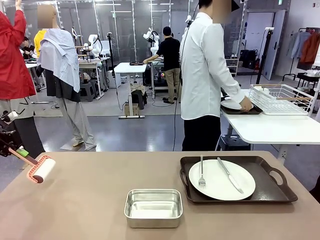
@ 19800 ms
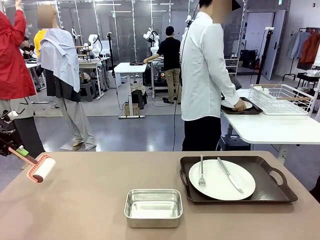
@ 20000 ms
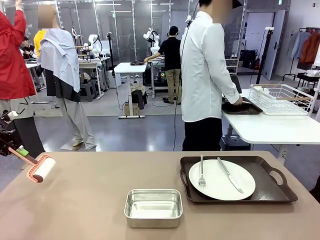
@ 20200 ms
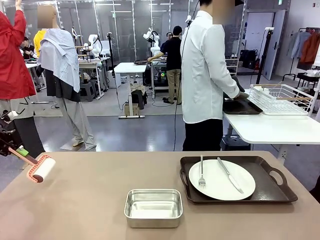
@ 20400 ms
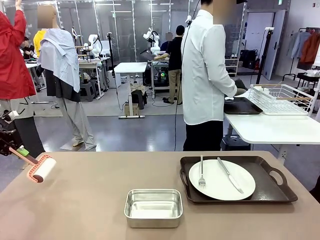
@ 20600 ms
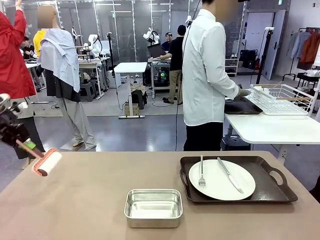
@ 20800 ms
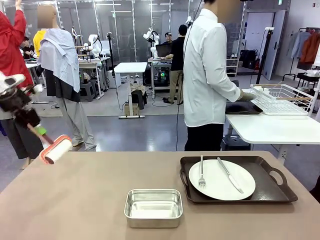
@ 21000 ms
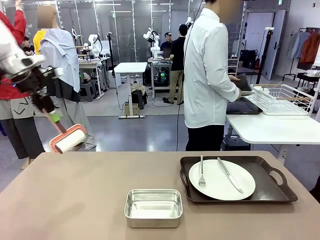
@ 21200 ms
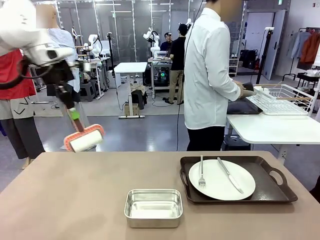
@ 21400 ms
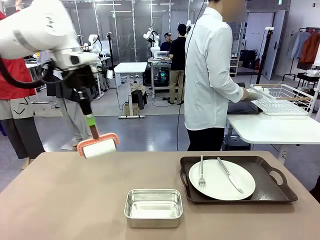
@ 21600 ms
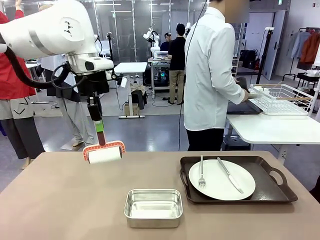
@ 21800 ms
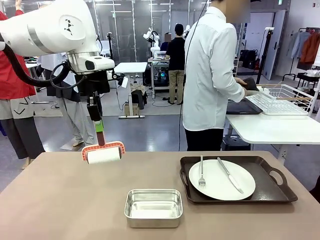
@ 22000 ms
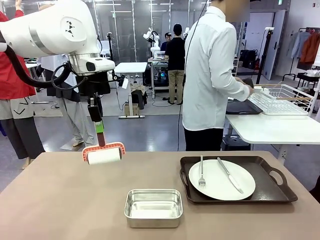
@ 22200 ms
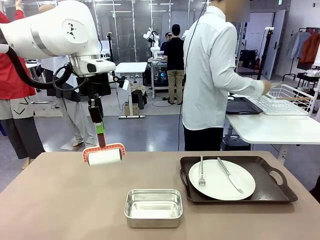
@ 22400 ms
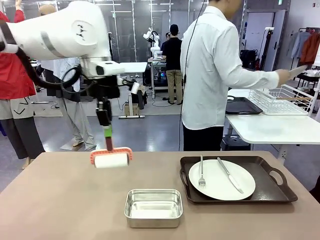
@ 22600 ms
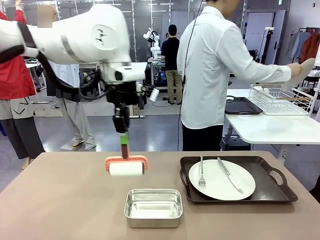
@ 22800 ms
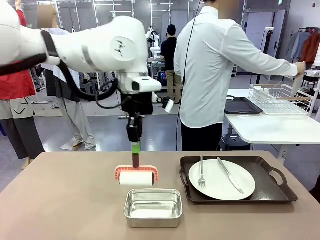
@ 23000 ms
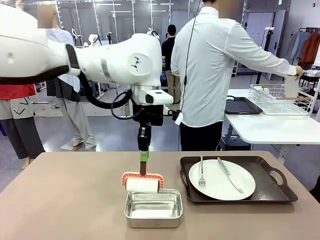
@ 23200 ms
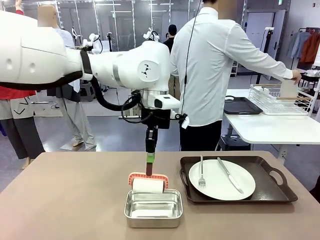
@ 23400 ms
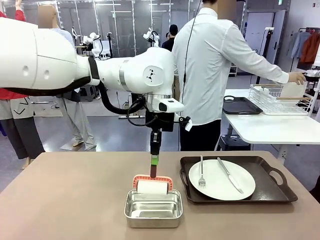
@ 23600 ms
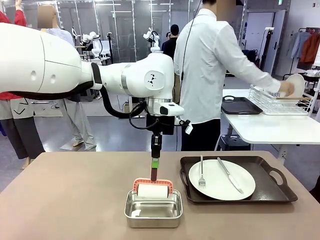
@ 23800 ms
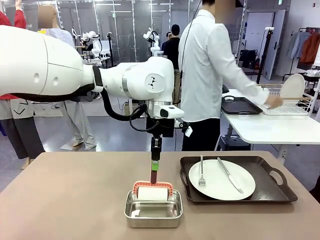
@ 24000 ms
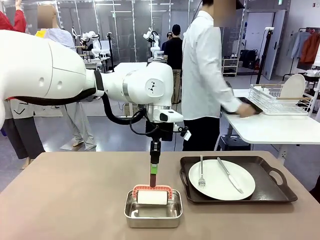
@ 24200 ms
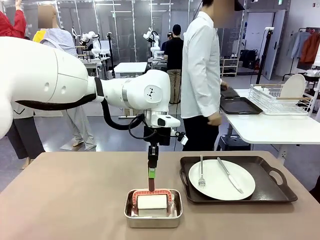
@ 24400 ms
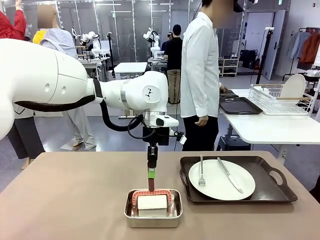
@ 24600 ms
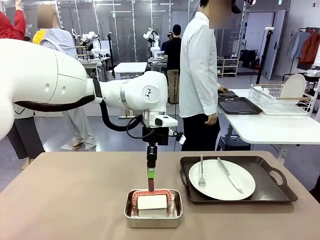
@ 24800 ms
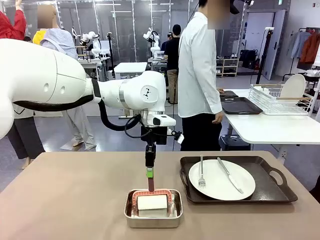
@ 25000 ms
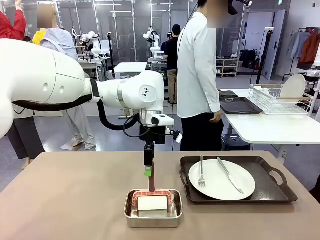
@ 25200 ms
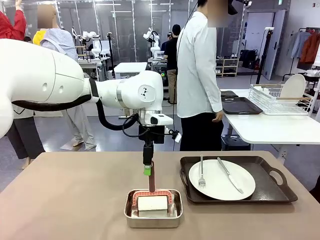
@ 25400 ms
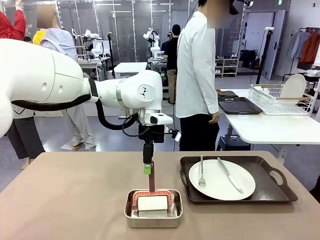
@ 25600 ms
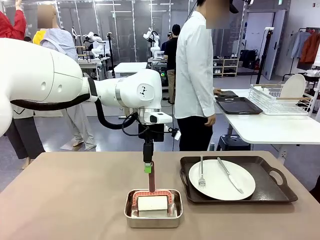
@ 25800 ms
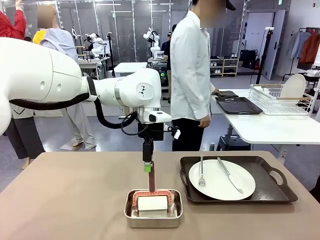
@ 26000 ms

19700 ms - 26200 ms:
Robot: Place the Lint Roller back on top of the Airtight Container.

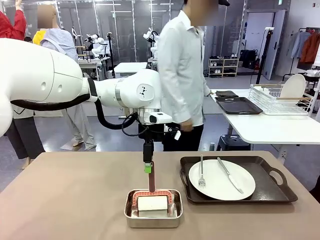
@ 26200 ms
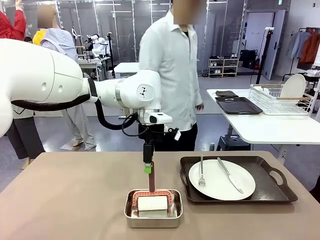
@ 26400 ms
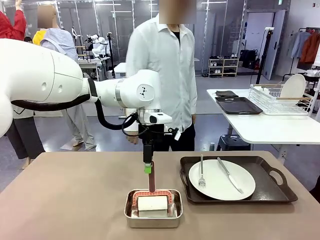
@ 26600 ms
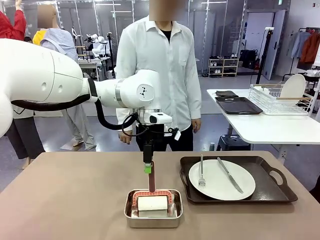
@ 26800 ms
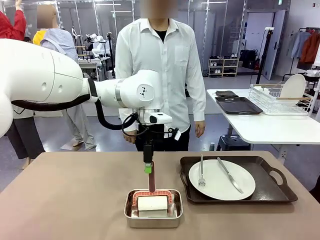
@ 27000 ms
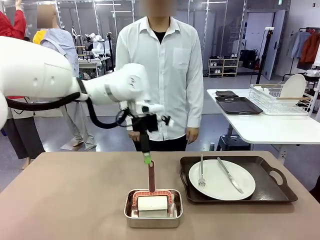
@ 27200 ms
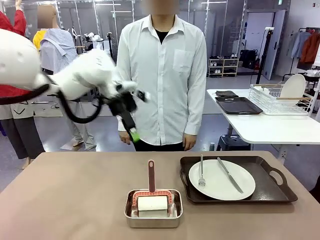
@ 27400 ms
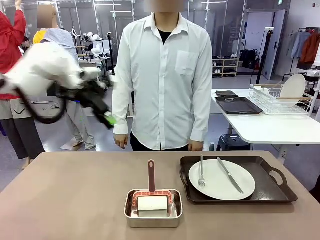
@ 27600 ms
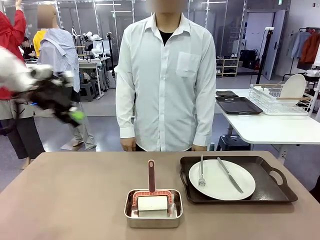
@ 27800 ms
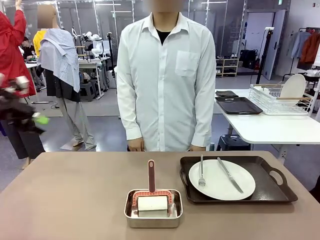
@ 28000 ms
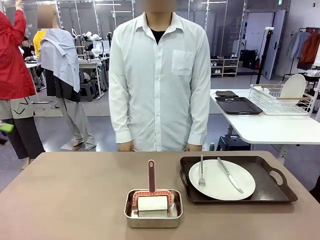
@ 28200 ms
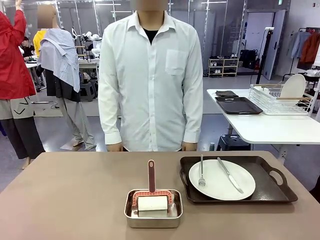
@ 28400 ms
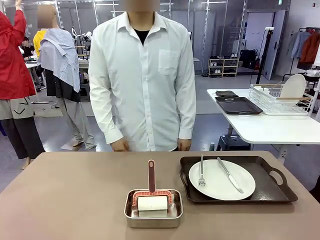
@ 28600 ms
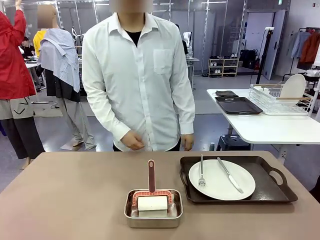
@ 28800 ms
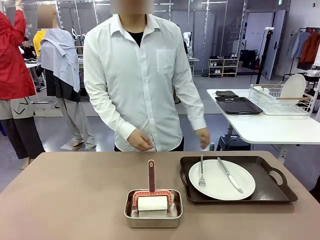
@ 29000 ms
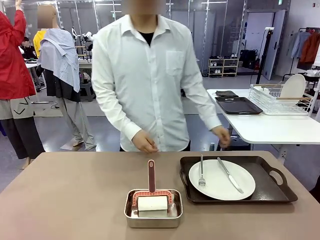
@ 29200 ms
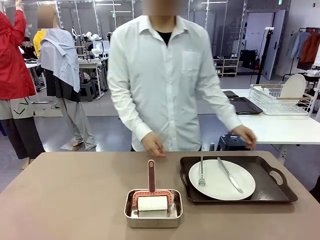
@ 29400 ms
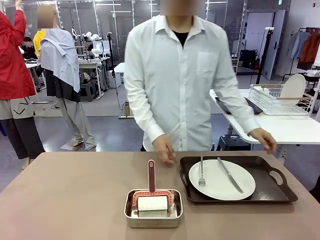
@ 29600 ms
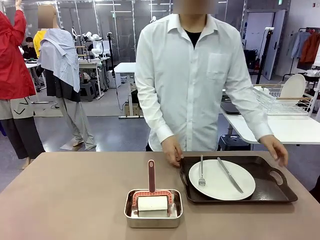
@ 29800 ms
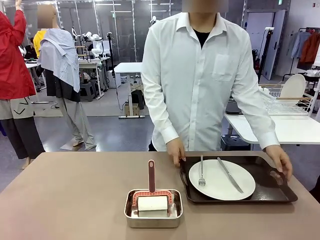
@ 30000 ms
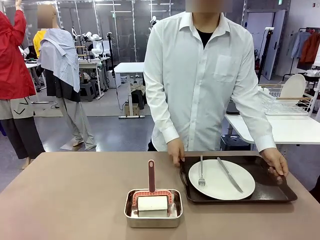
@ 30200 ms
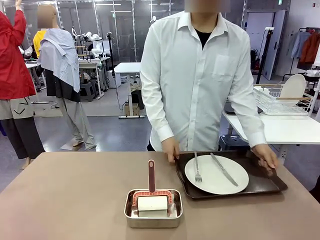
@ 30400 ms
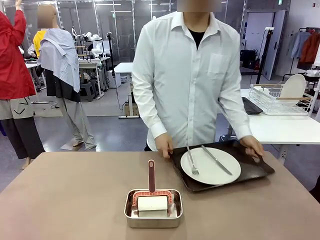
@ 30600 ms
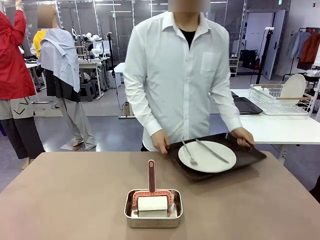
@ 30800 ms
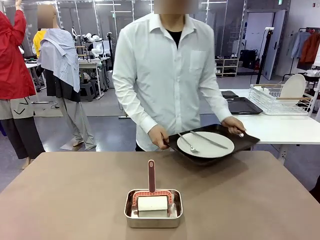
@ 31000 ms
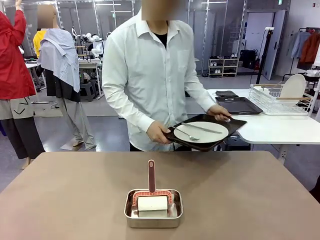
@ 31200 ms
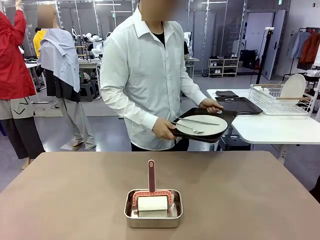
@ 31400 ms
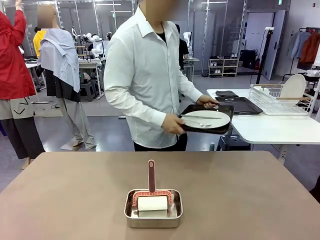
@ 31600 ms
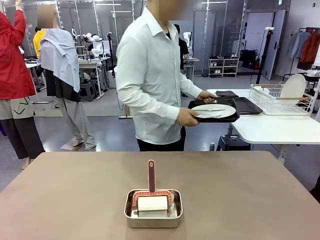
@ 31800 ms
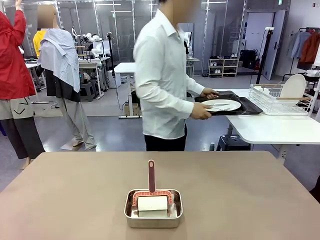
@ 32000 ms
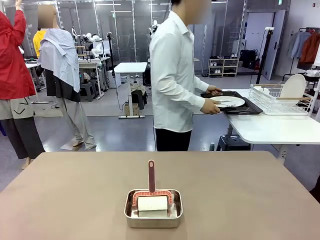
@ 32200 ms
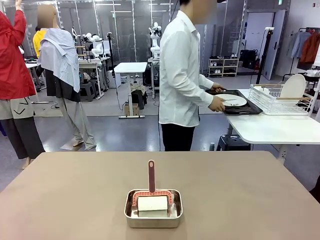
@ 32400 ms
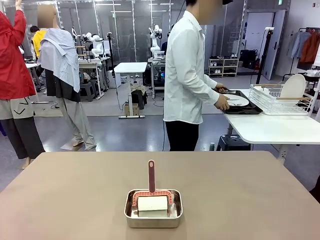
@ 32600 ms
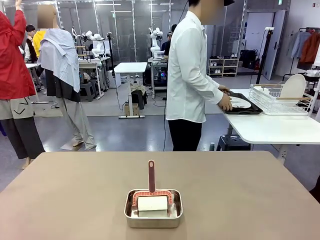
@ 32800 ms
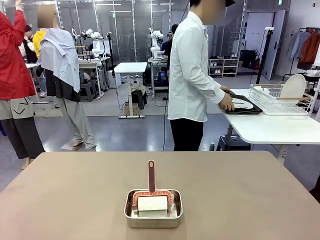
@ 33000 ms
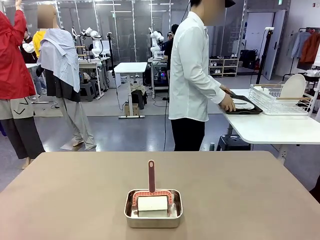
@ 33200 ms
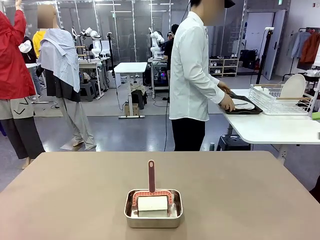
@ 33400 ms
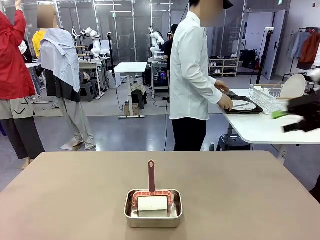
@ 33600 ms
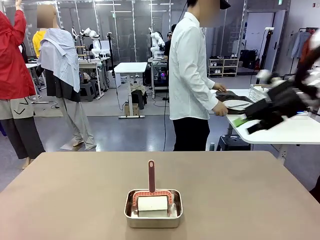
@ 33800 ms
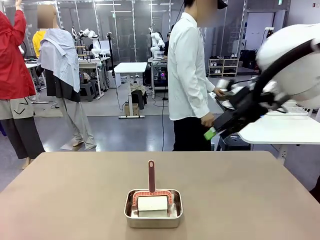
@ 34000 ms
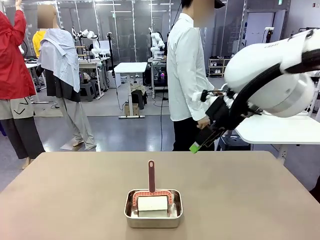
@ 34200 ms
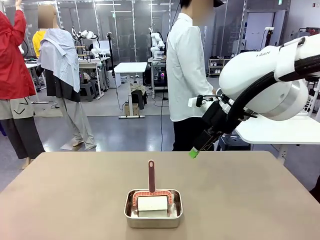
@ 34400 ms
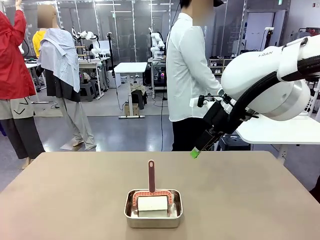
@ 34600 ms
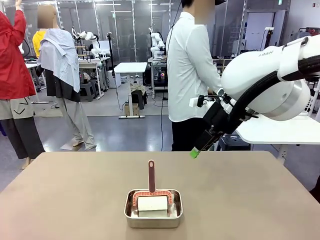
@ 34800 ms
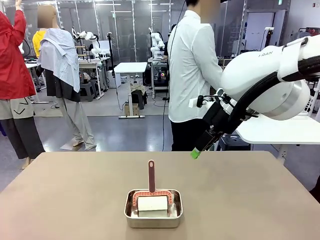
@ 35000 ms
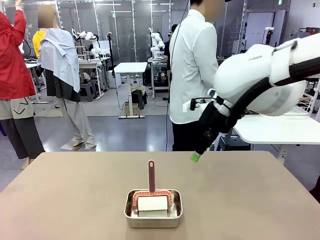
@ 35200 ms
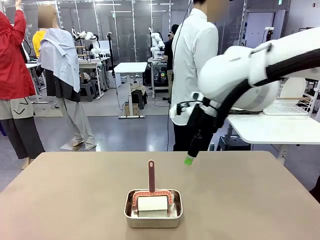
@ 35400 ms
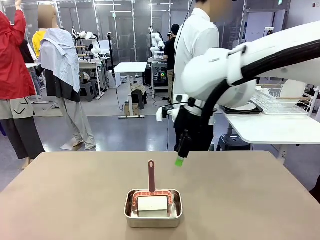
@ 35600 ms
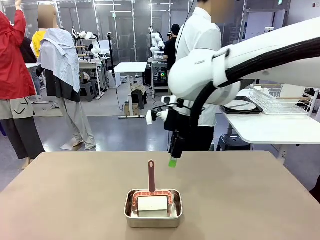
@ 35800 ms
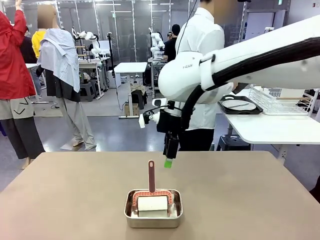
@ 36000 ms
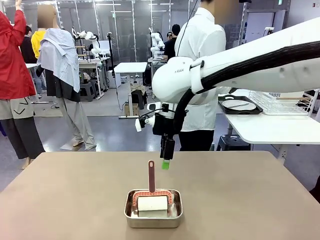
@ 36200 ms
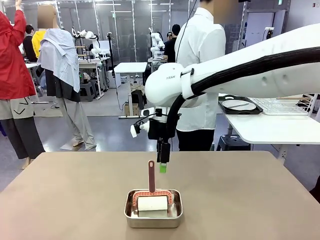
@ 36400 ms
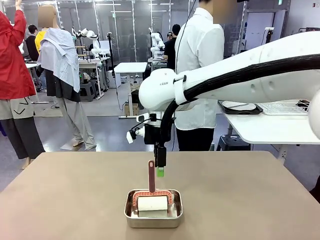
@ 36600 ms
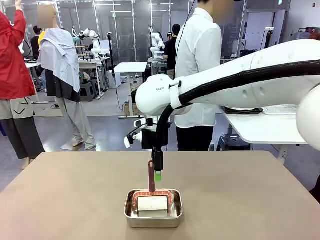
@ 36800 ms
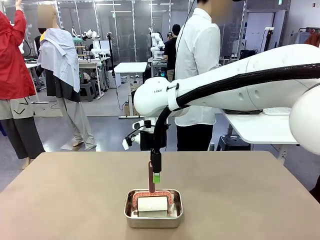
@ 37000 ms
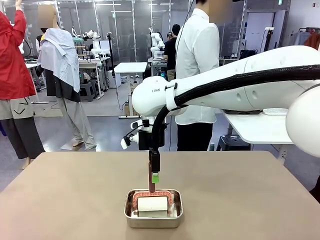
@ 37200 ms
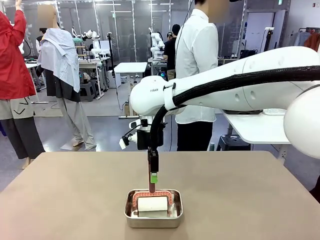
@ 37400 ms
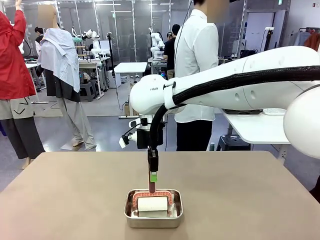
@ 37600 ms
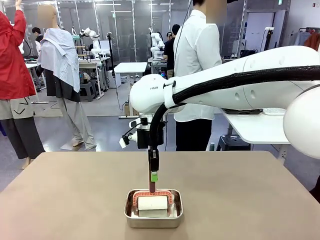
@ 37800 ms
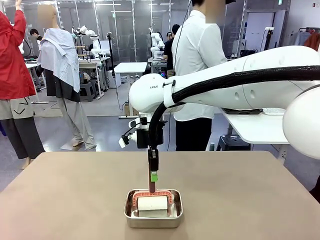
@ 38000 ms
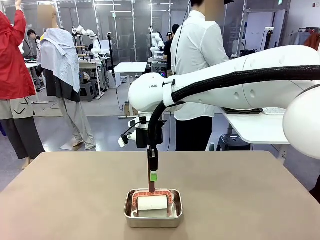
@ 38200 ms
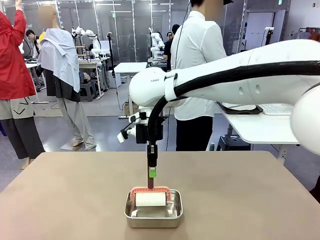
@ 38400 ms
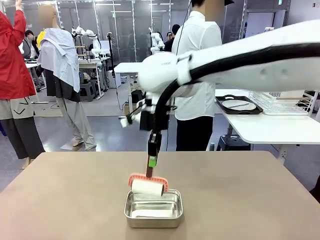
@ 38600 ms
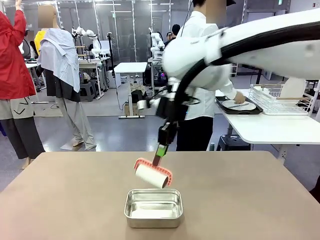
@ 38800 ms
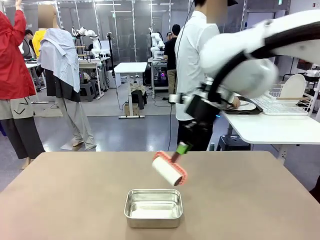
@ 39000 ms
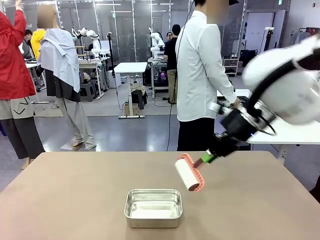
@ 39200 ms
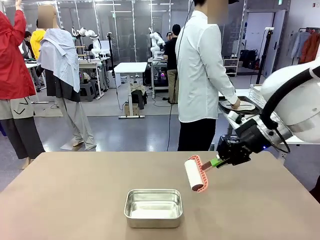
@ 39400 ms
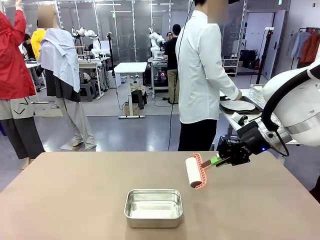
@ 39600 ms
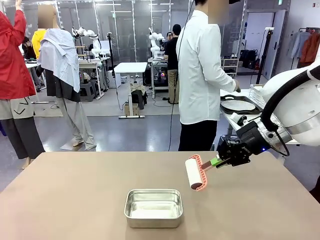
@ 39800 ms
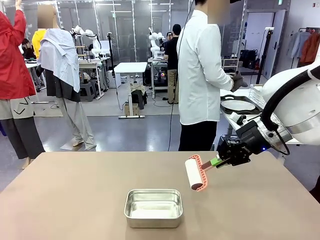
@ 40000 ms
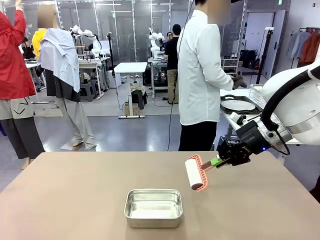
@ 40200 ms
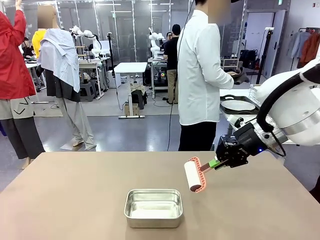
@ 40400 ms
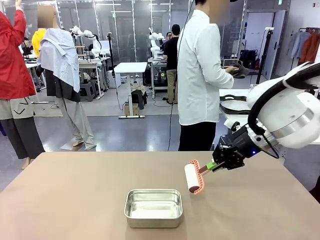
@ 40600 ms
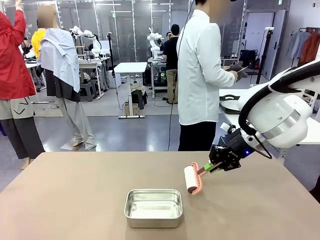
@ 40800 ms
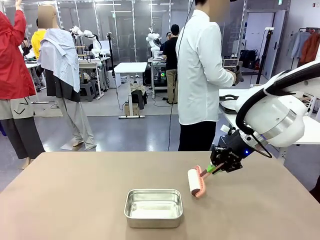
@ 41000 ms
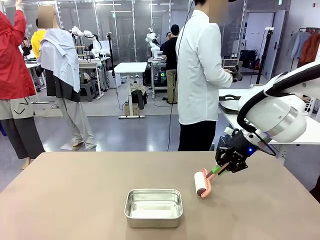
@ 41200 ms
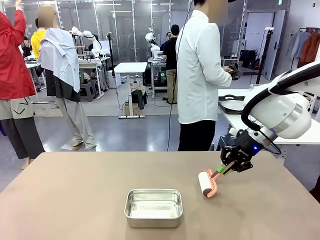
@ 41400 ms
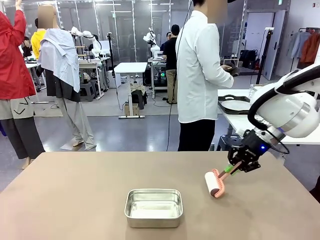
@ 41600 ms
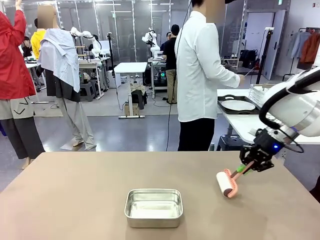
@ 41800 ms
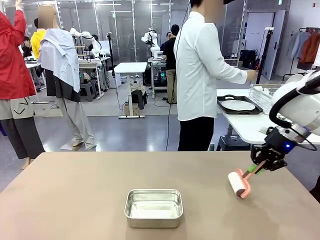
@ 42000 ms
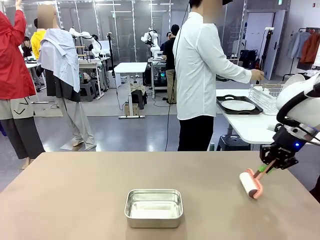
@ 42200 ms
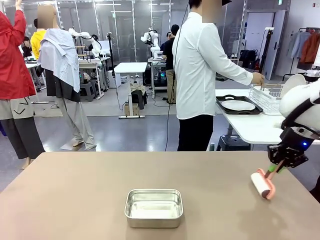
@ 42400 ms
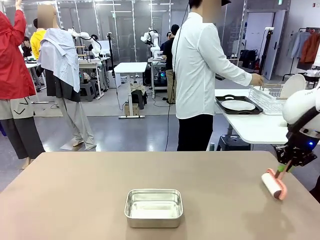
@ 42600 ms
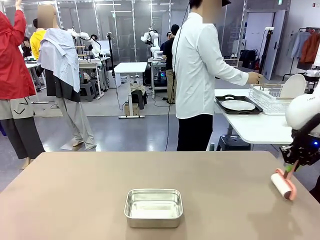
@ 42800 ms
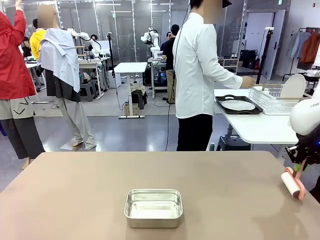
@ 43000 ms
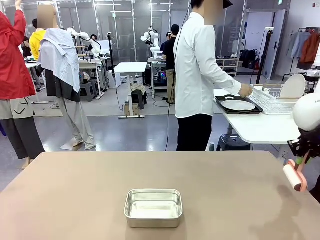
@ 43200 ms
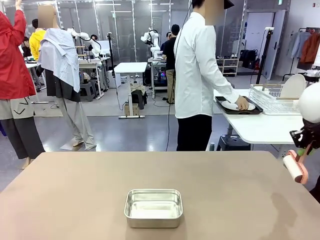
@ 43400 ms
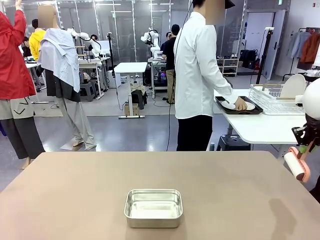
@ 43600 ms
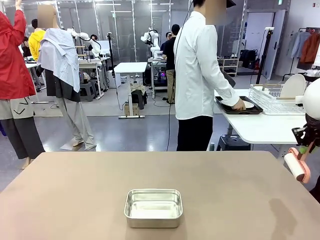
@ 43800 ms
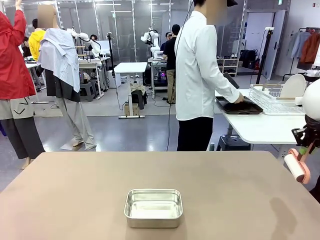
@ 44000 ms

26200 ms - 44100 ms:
Robot: When the right (or left) Handle tray is removed, use the right hand (or left hand) to clean the right (or left) side of the table with the Lint Roller.
Person: Pick up the left (or right) Handle tray and place it on the Handle tray.
